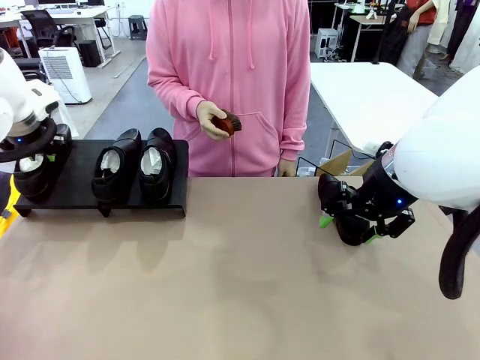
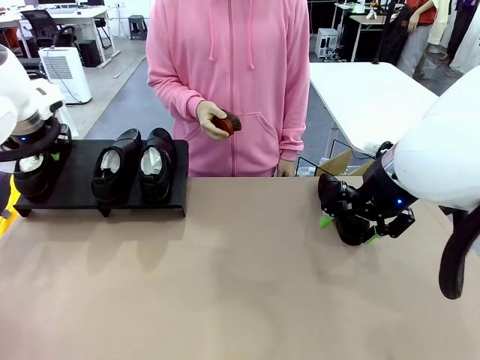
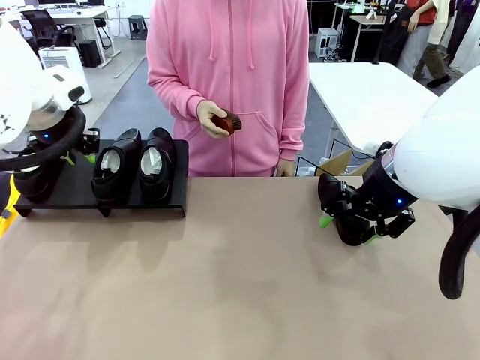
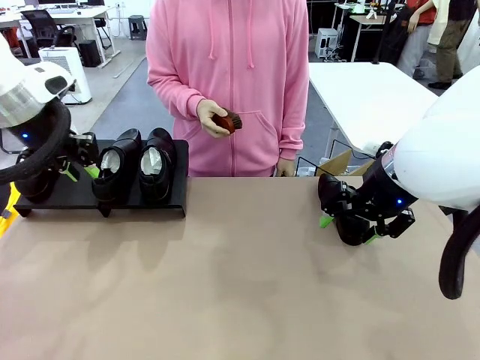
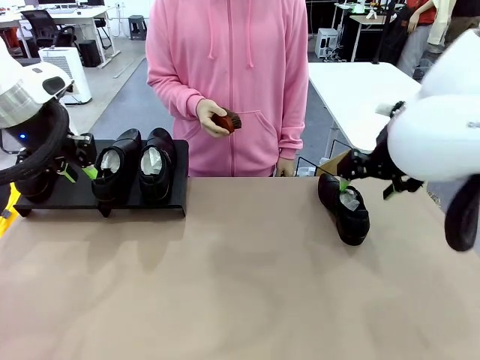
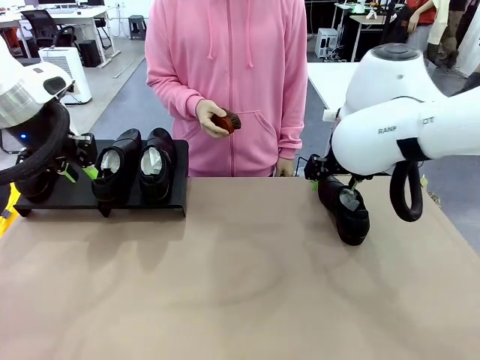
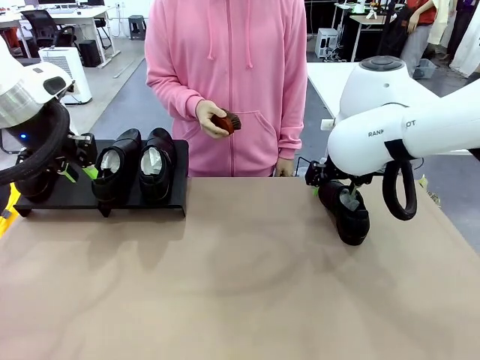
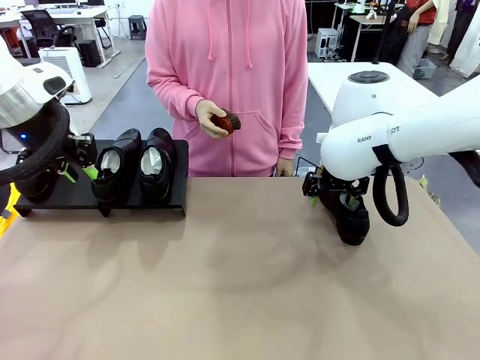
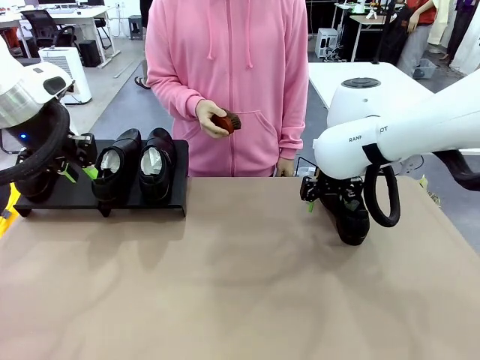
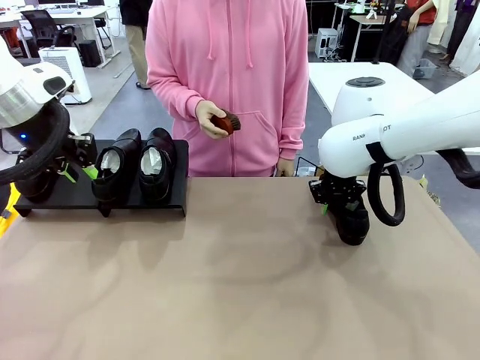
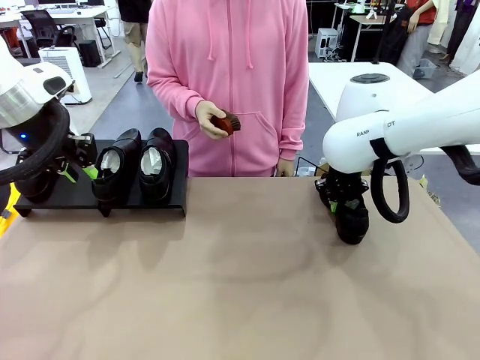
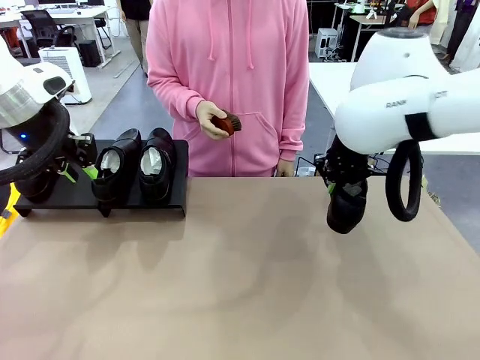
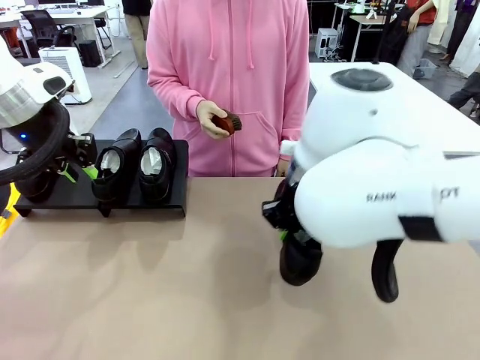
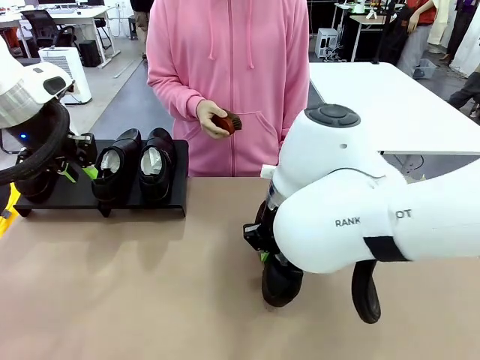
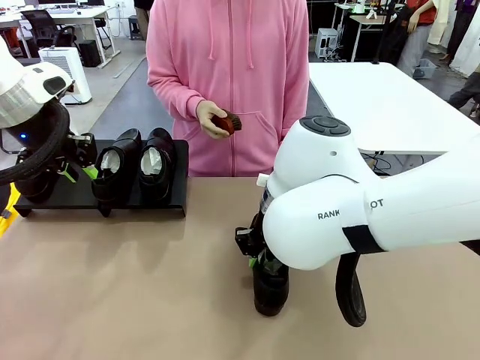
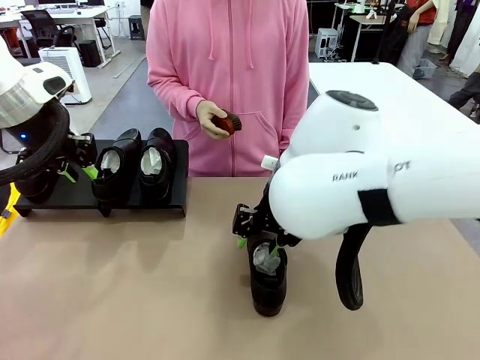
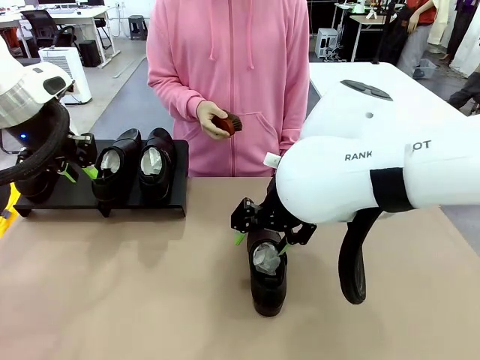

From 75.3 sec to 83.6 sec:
Task: Organize the shoes by placing them on the stand.
Robot: Pick up one Shoe and place it in the middle of the table.

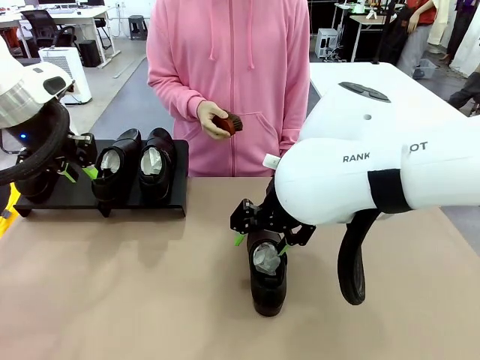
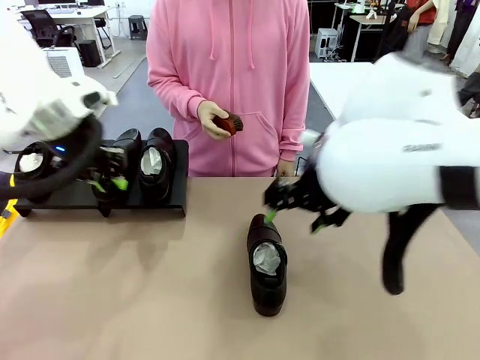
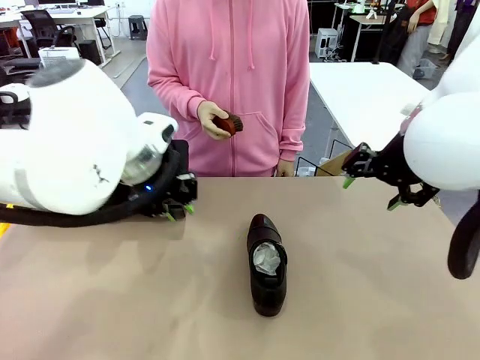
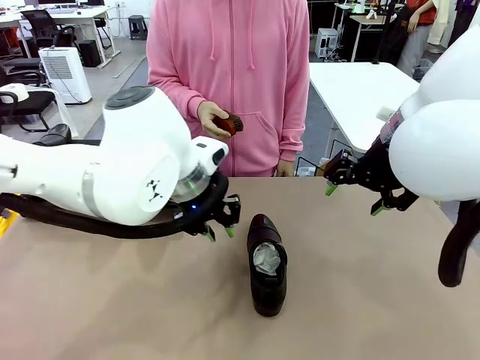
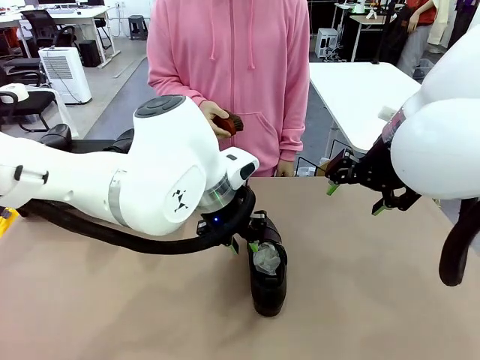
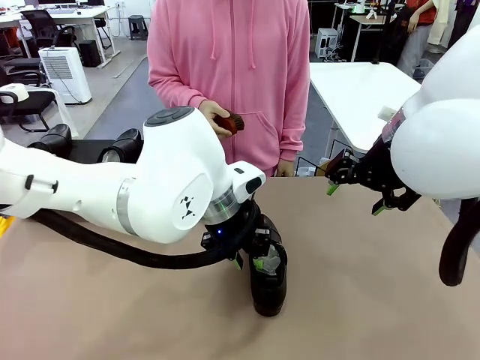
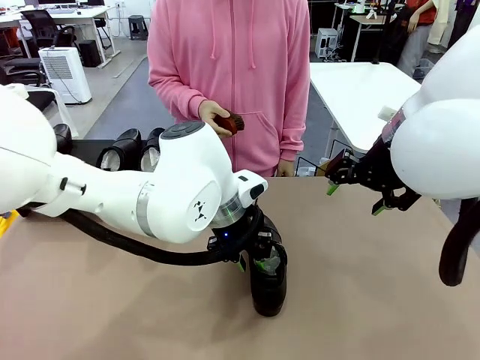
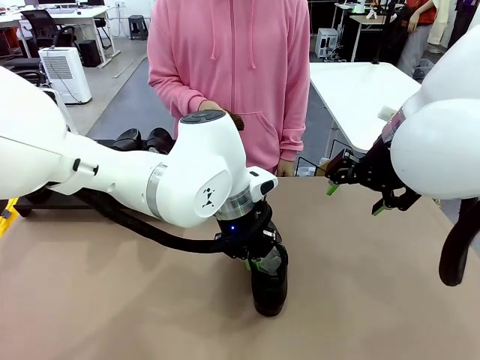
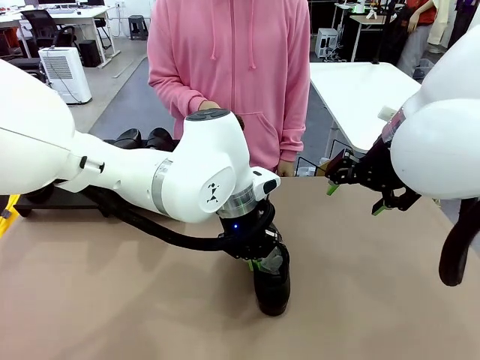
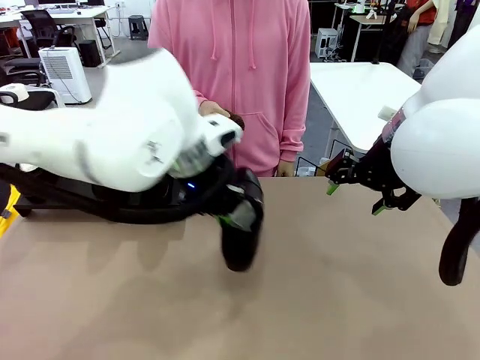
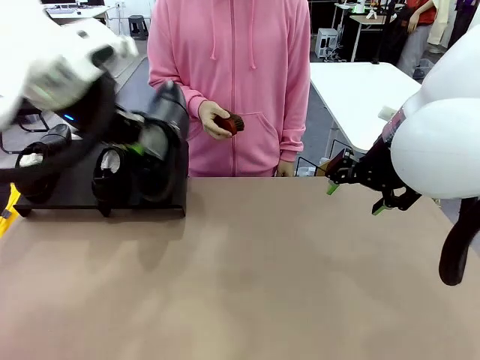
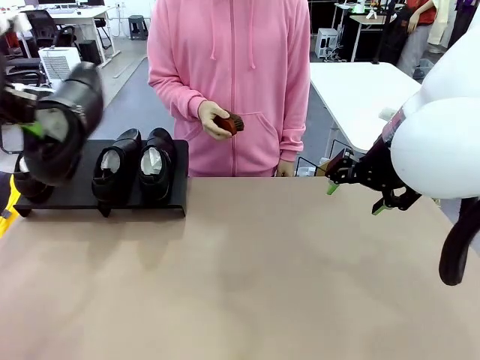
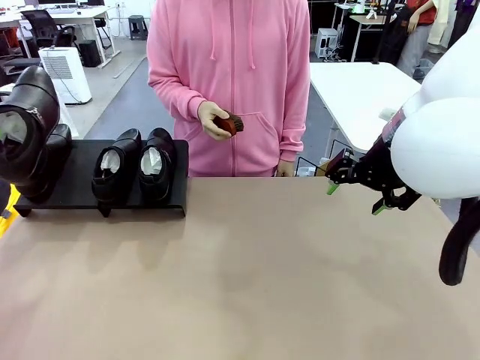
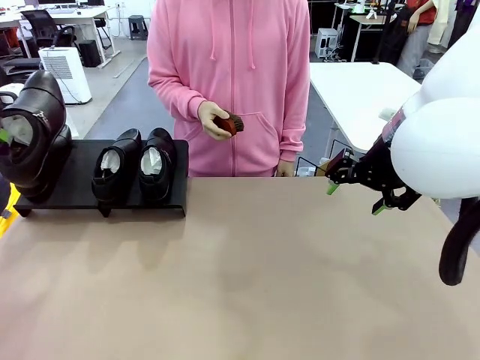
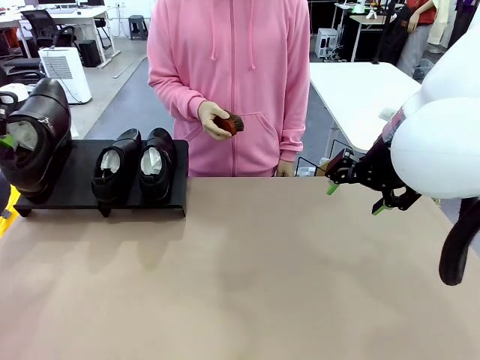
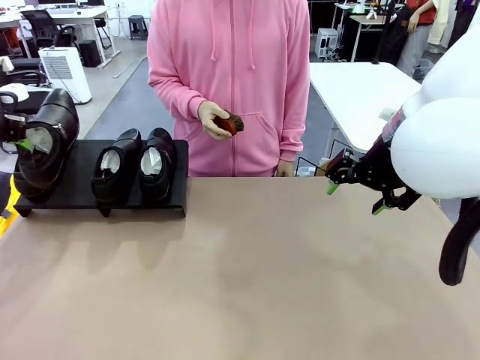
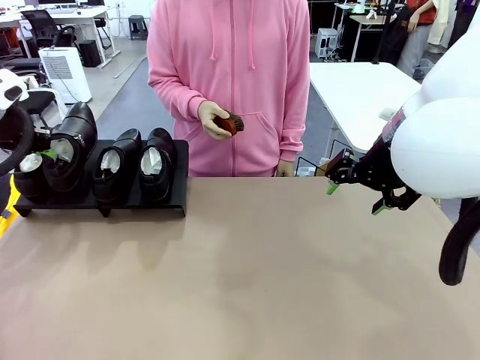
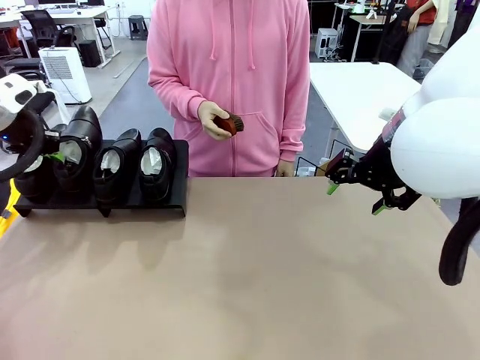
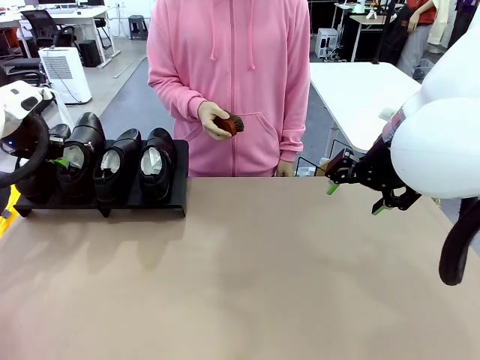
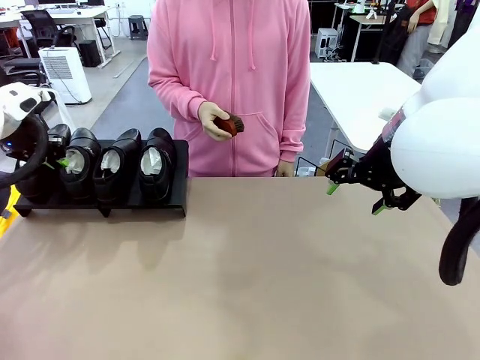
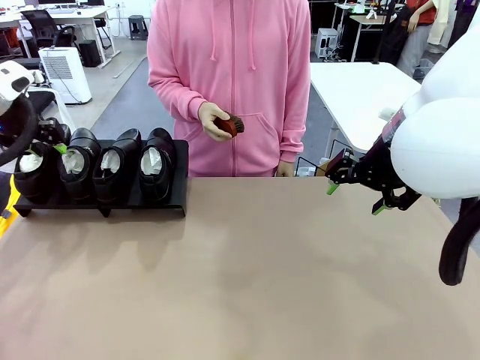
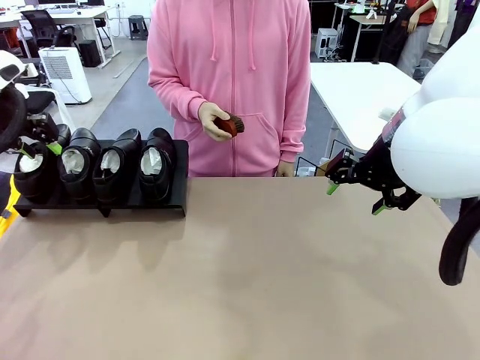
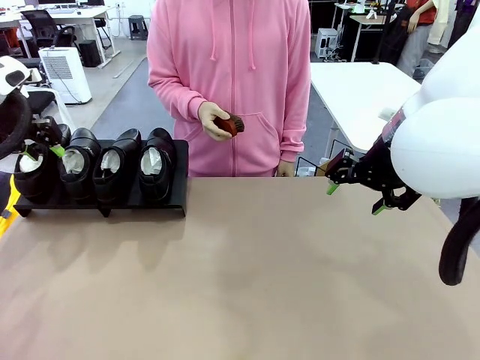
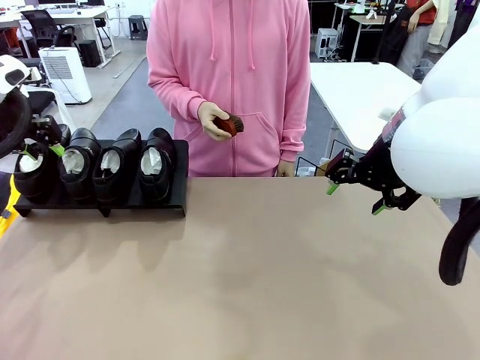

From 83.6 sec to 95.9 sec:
Robot: Place the Shoe from the middle of the table onto the Shoes Stand.

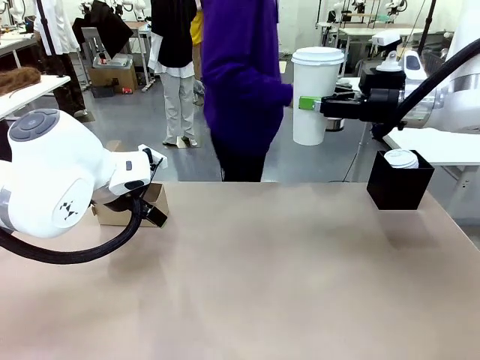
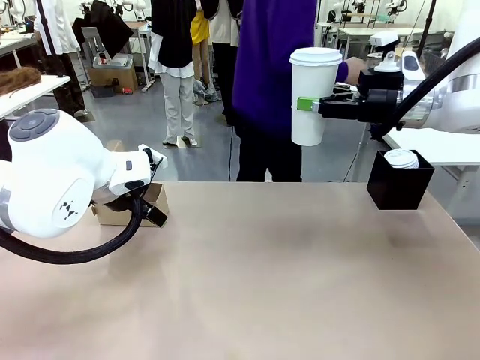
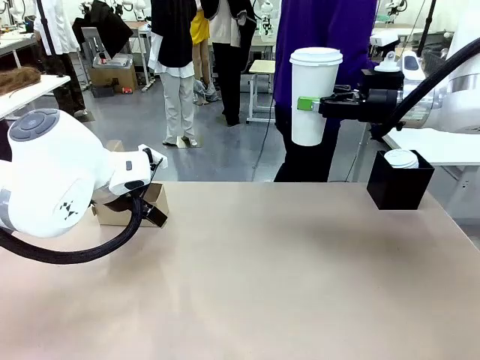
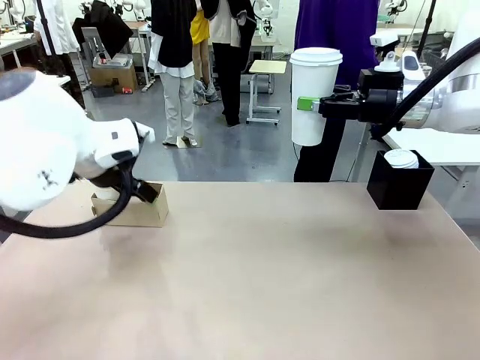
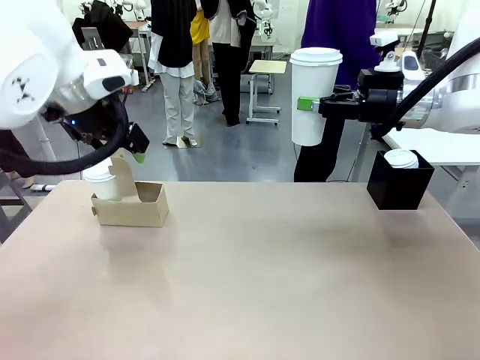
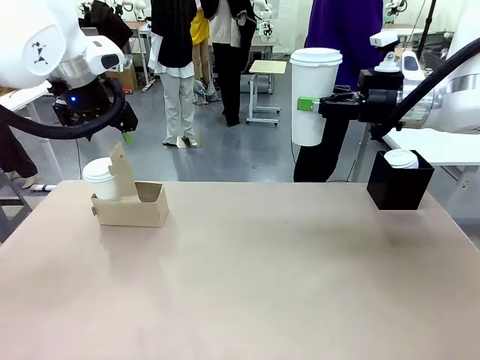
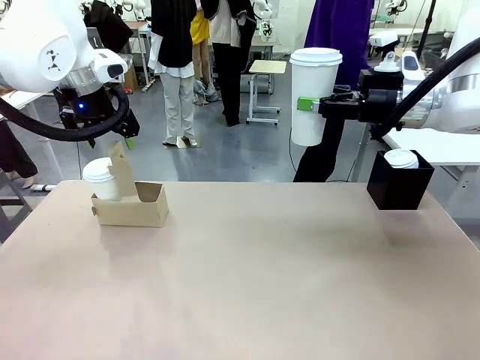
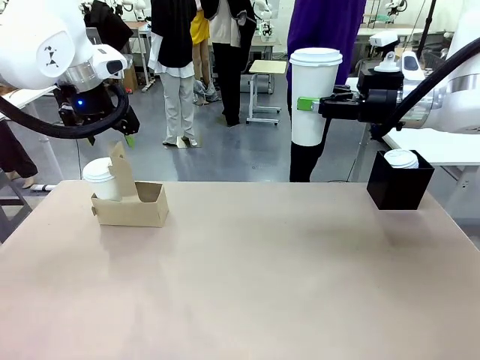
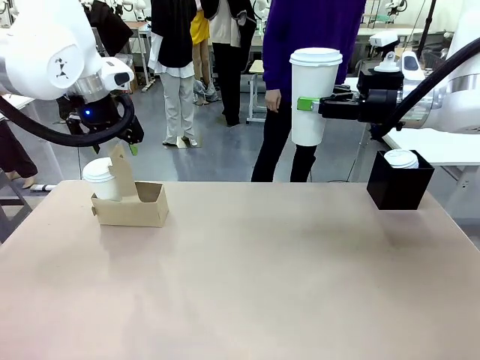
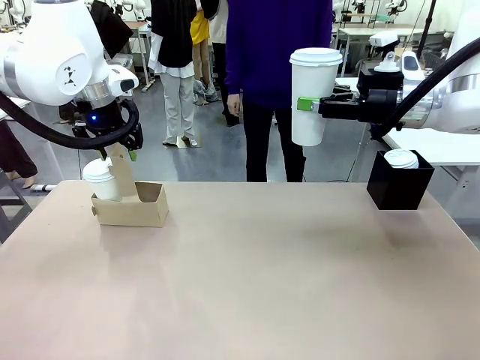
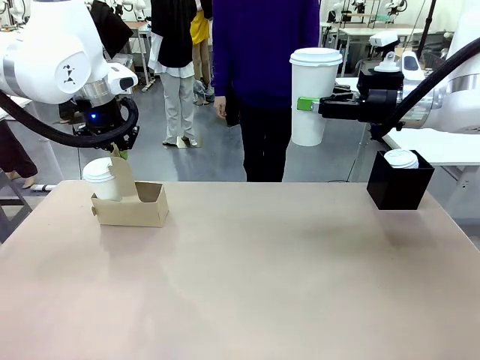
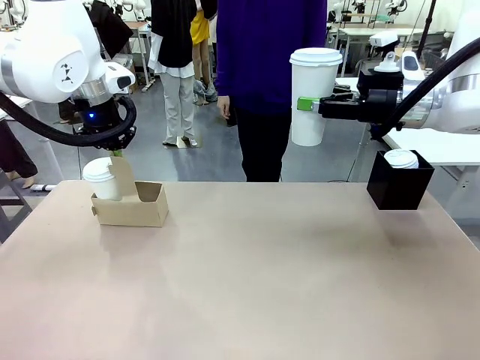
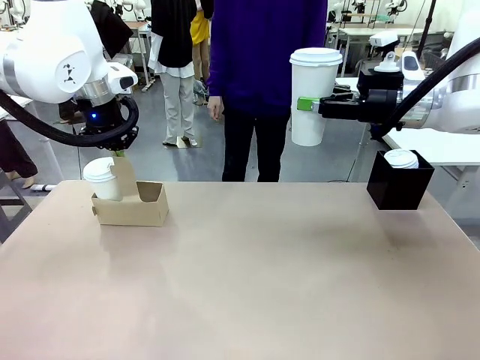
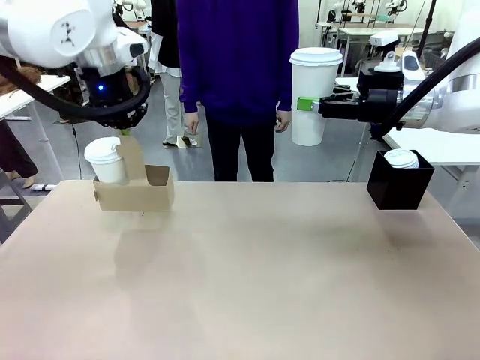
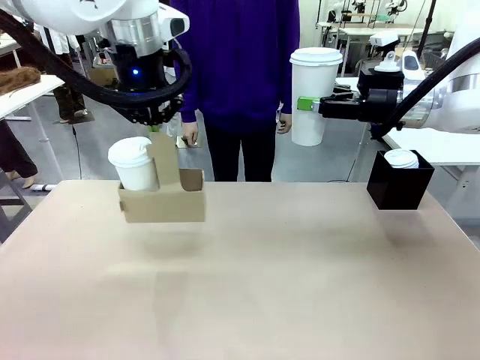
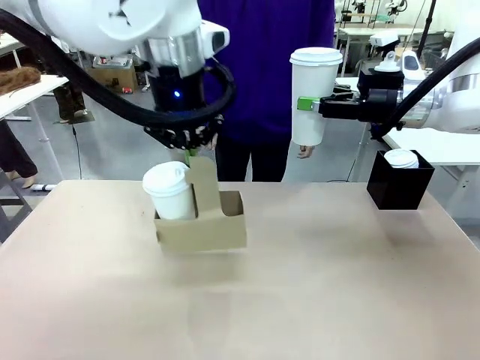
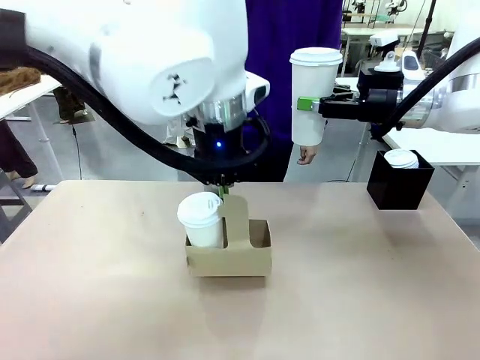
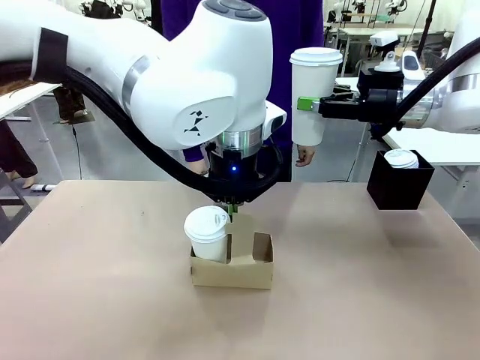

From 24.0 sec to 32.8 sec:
Task: Pour a drink into a cup and package it in a carrier.
Robot: Position the Cup Carrier in the center of the table.
Person: Pick up the Filter Brewing and place on the middle of Human table, and return to the Robot table.
